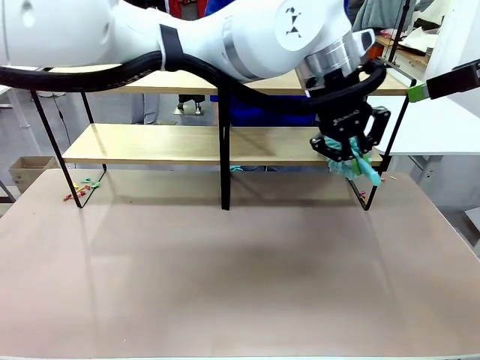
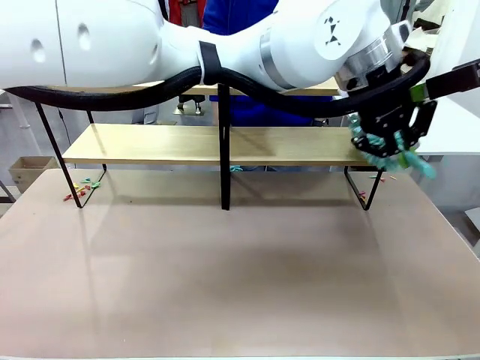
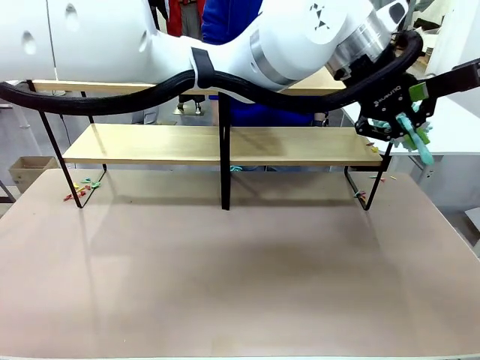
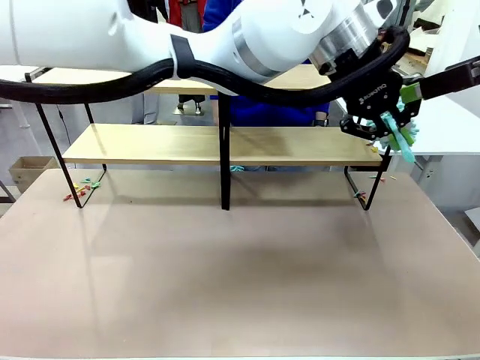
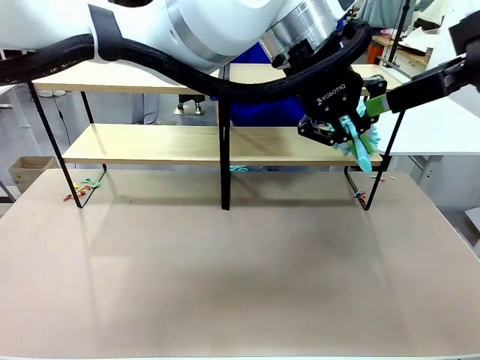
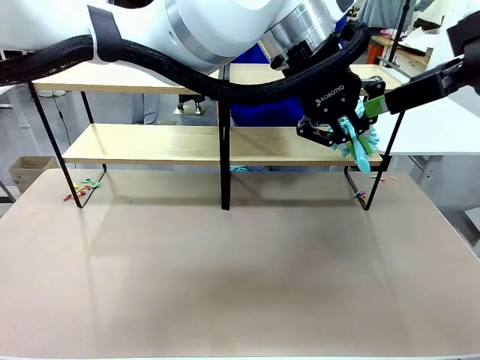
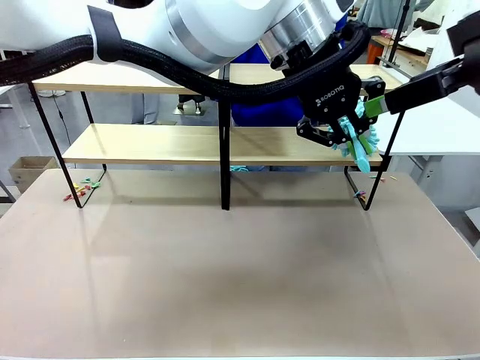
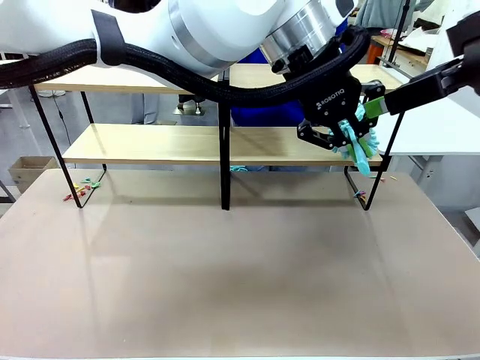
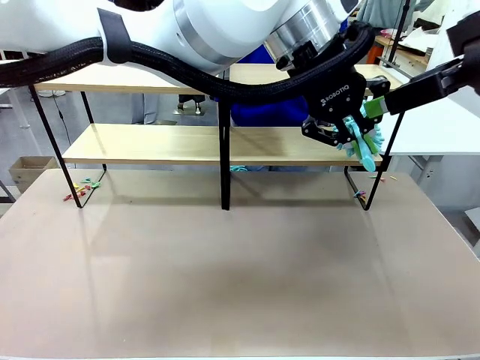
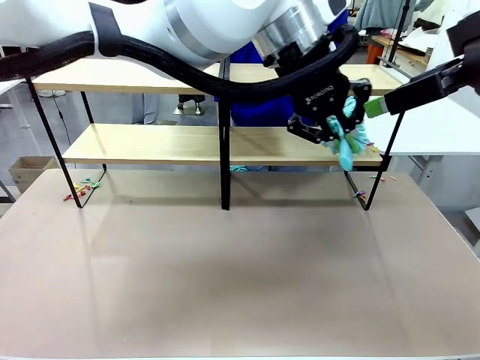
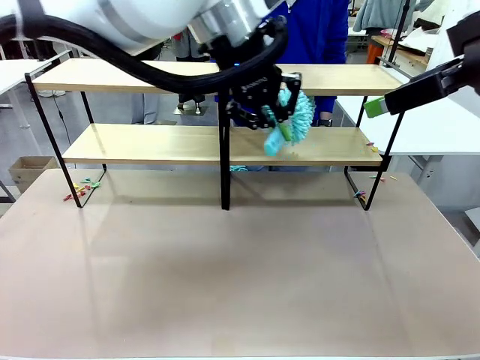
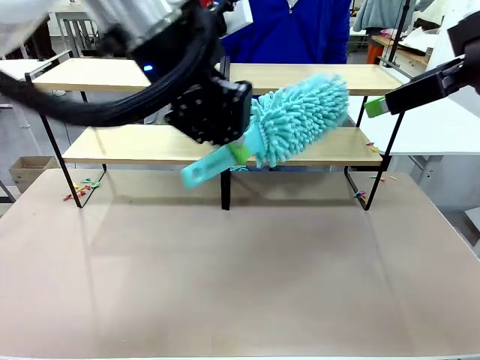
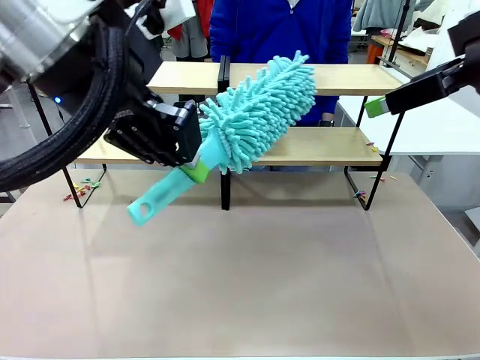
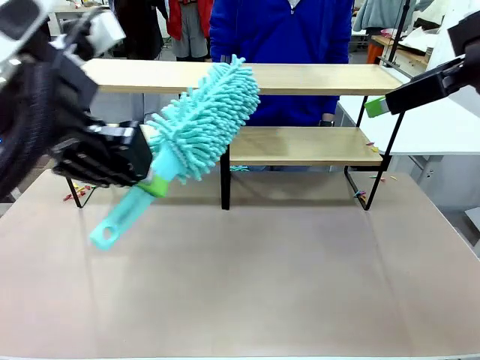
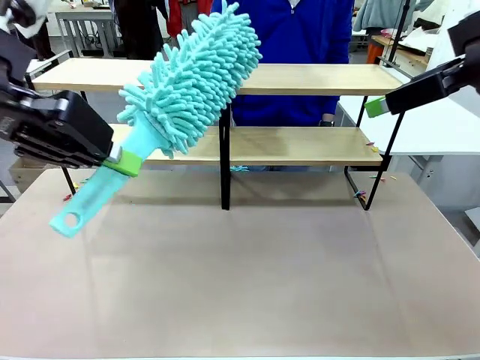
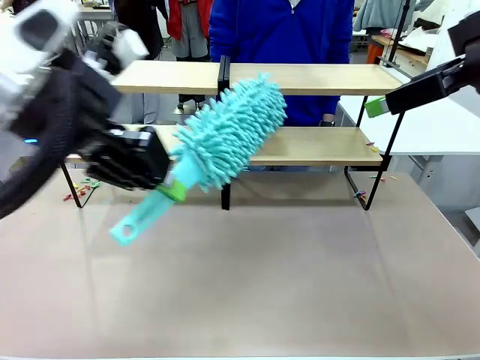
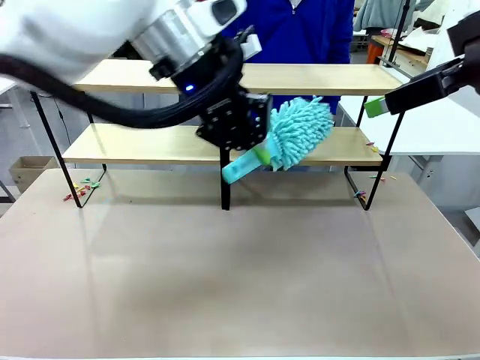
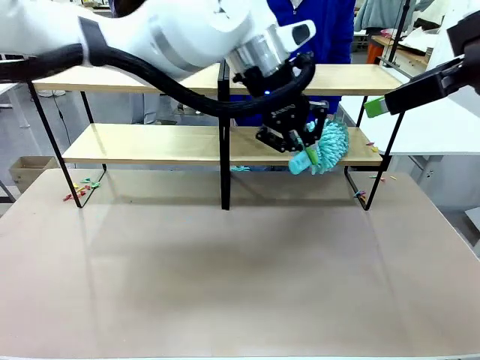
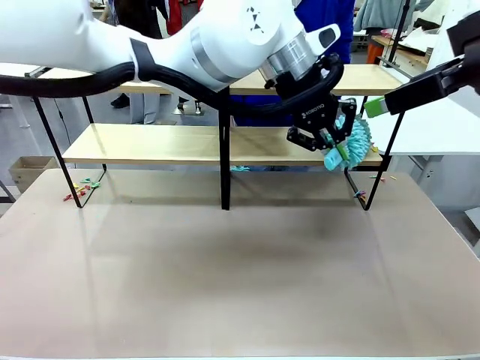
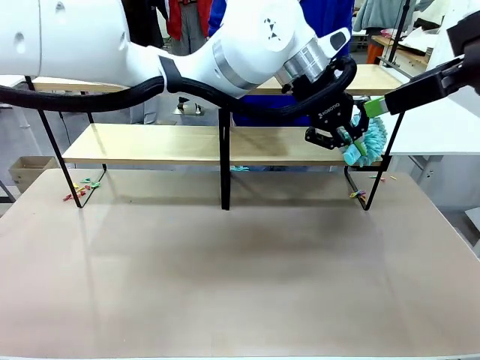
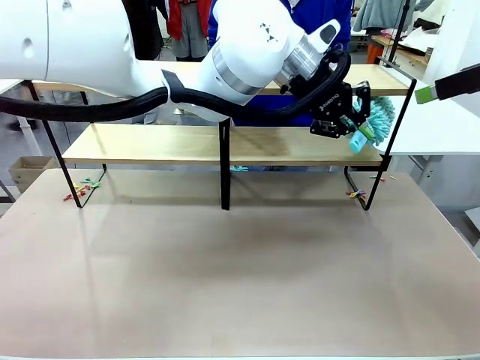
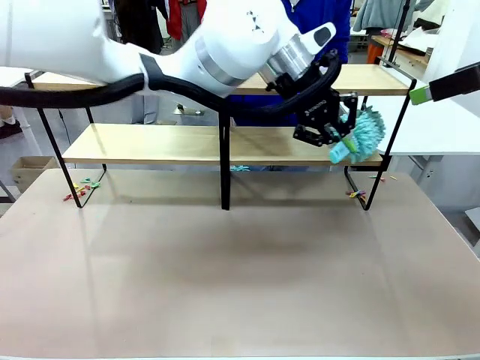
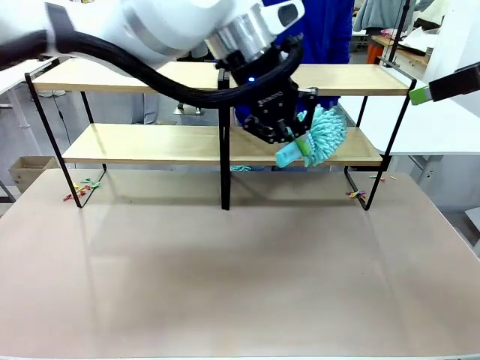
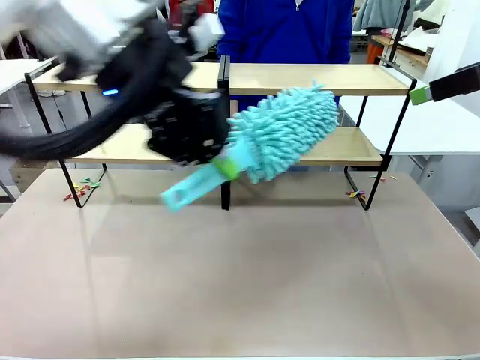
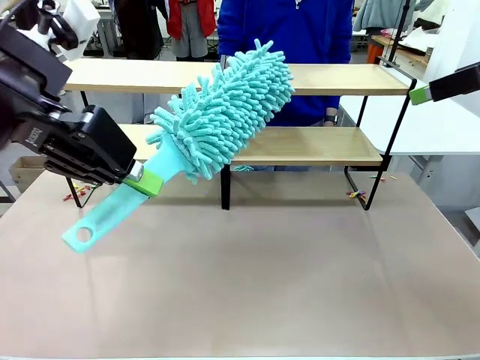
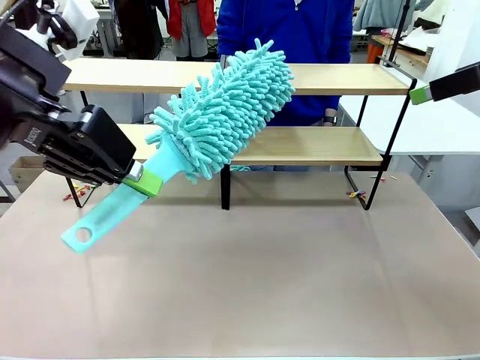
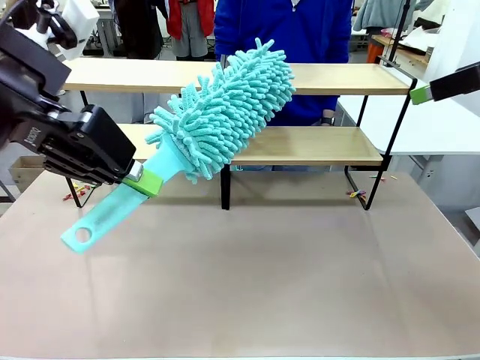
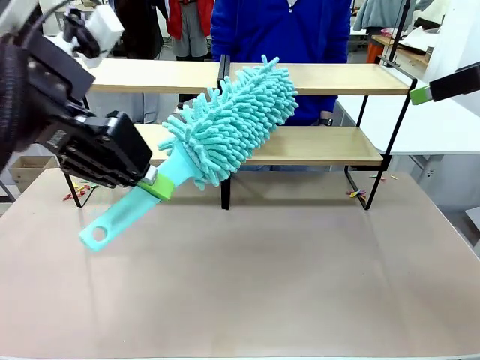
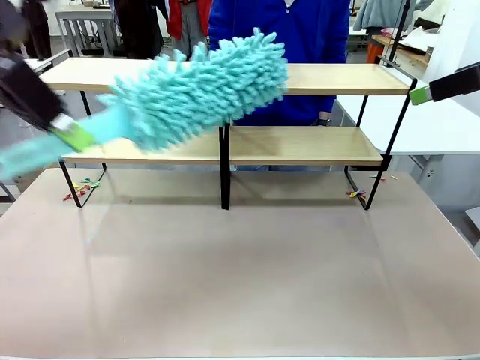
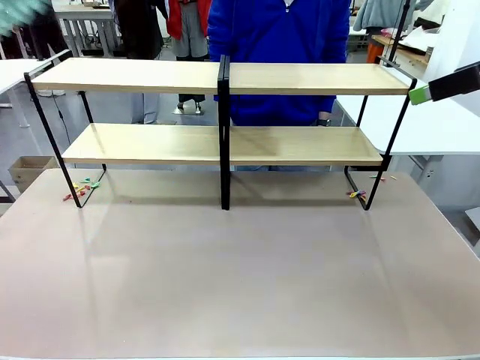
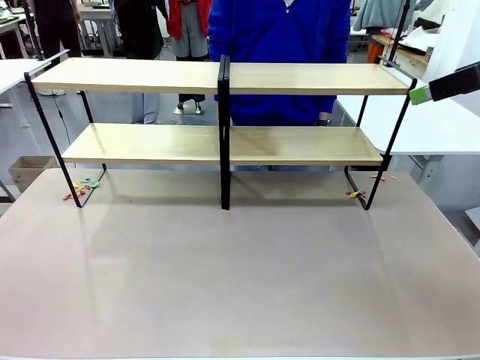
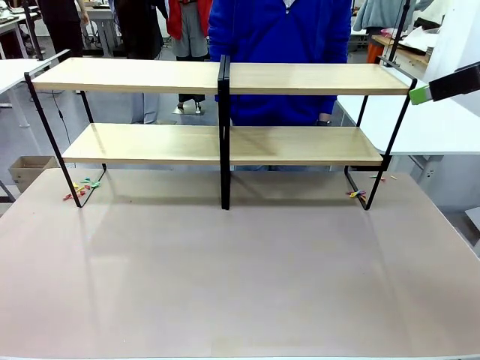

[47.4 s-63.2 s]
Task: Clean the shelves.
Robot: Clean another randomly selected level of the Shelf with the Duster.

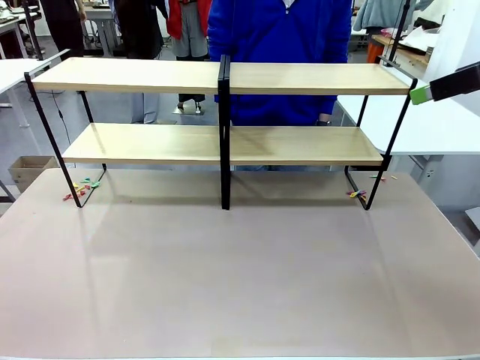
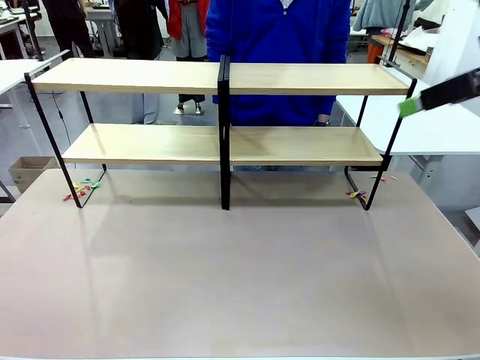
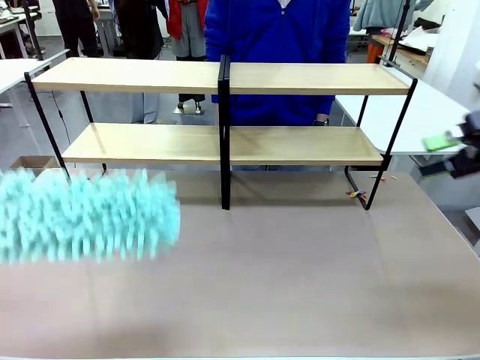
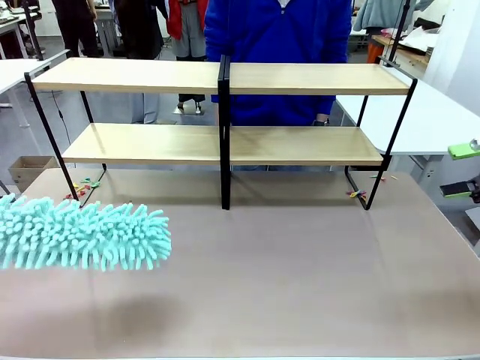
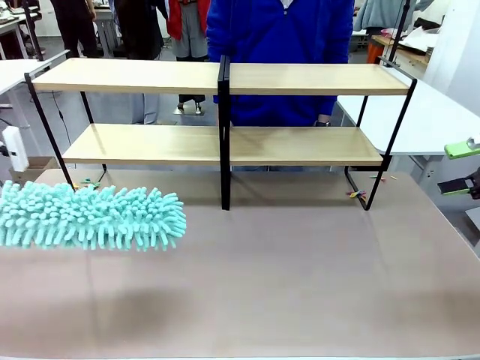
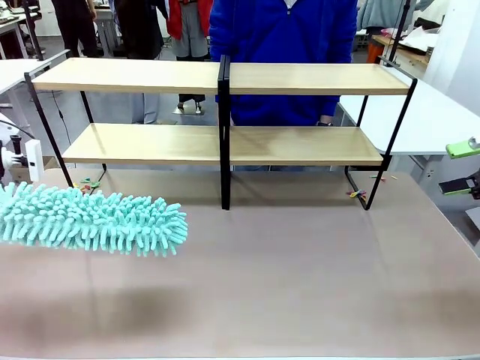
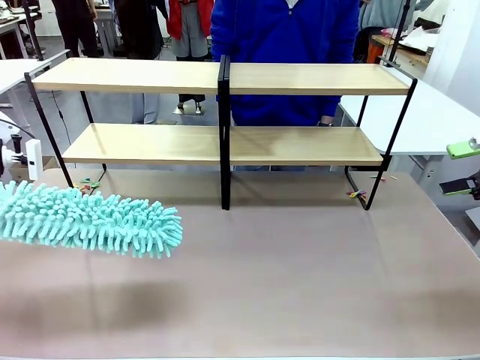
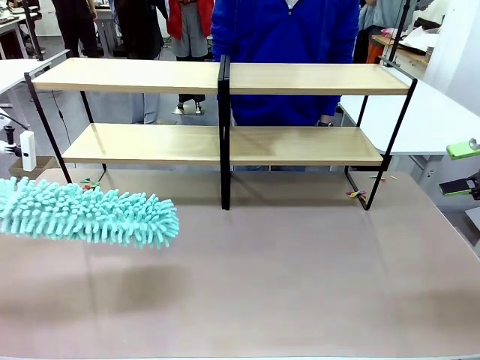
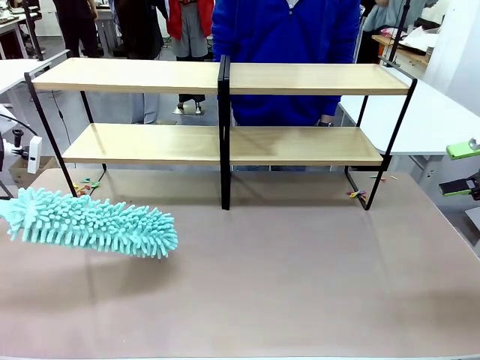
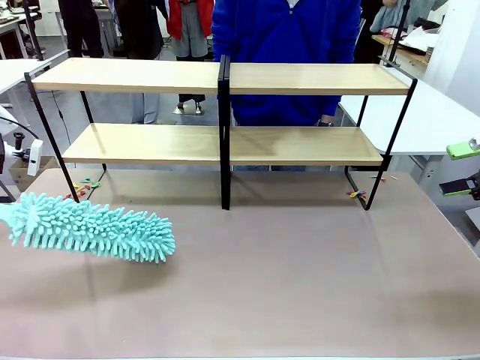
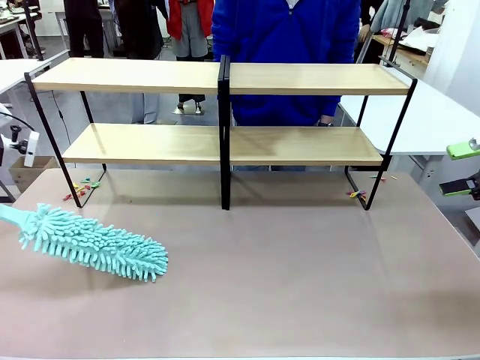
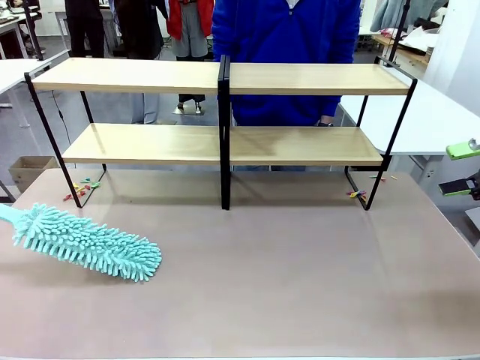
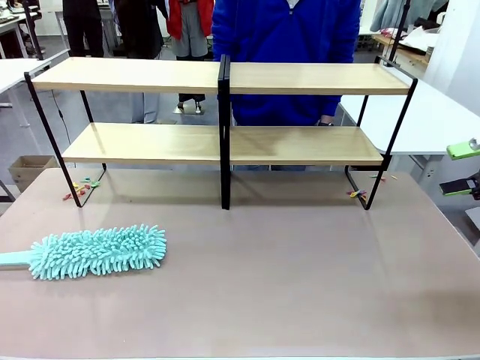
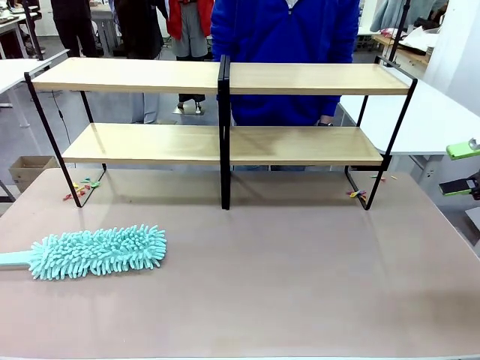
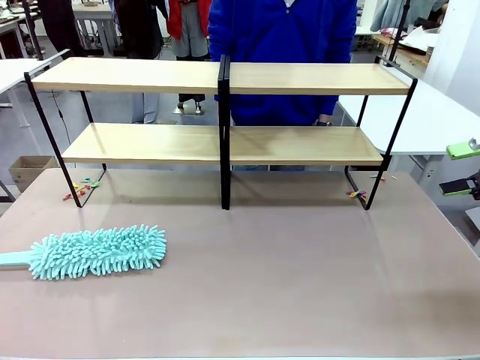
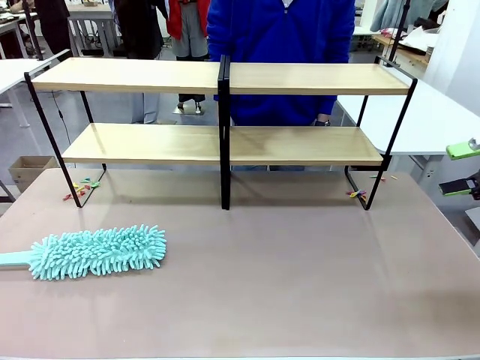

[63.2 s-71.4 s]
Robot: Place the Duster on the table.

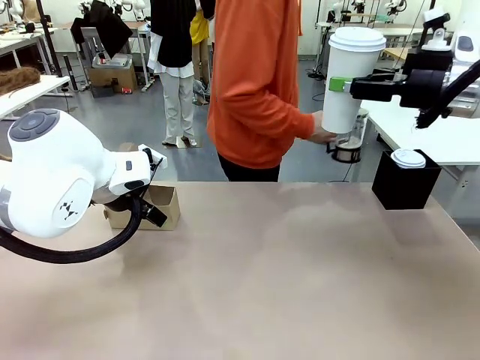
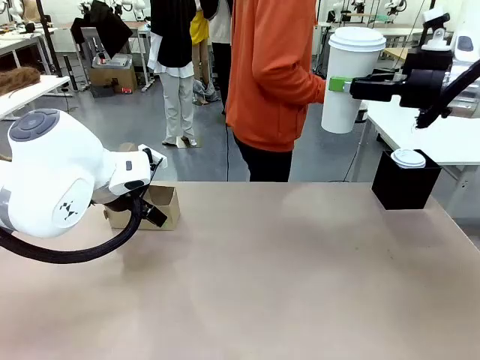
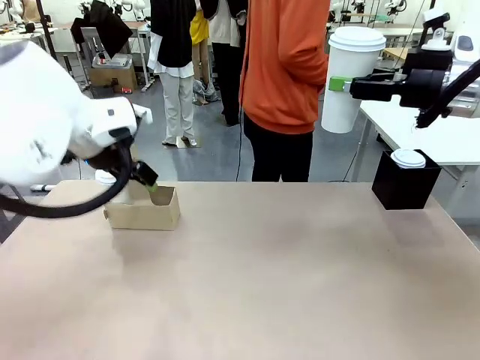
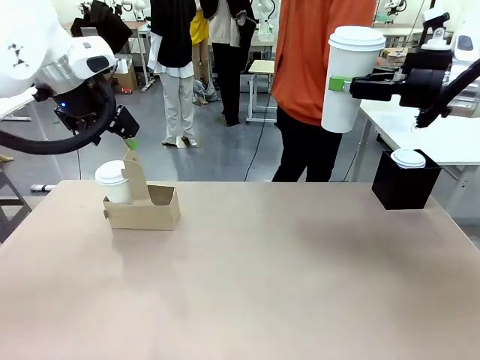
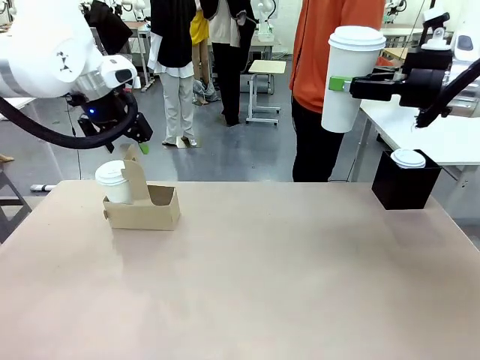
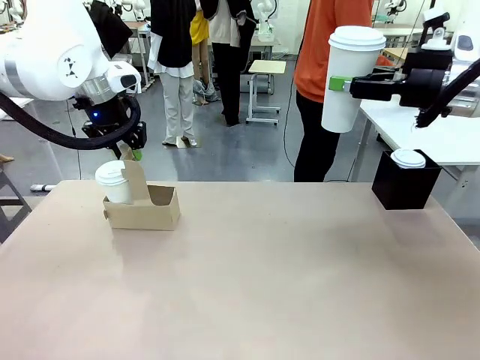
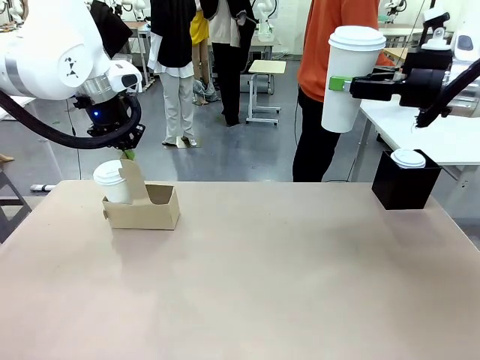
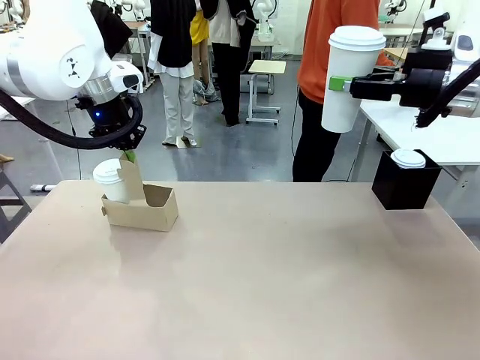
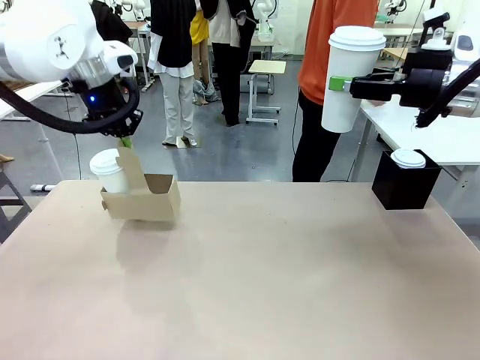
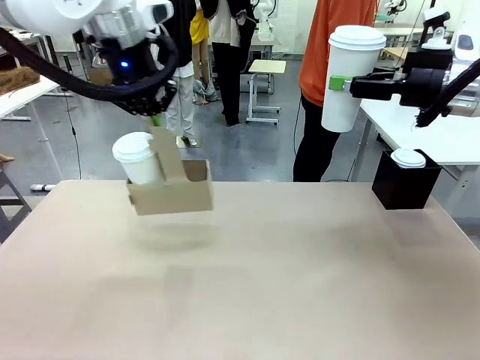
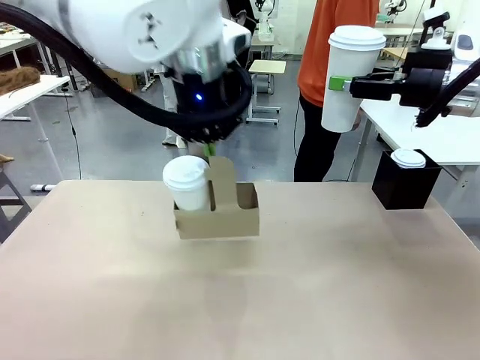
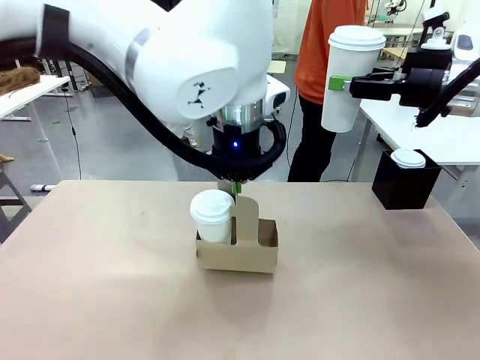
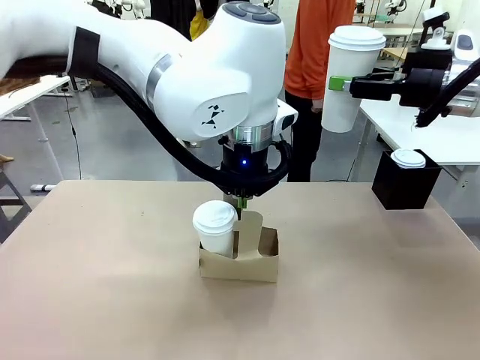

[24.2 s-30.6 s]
Task: Pour a drink into a cup and package it in a carrier.
Robot: Position the Cup Carrier in the center of the table.
Person: Pick up the Filter Brewing and place on the middle of Human table, and return to the Robot table.
